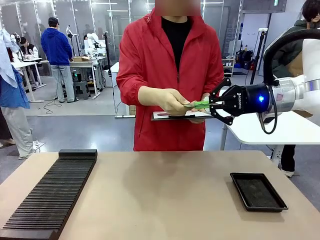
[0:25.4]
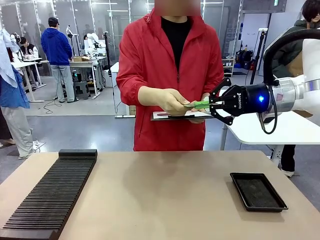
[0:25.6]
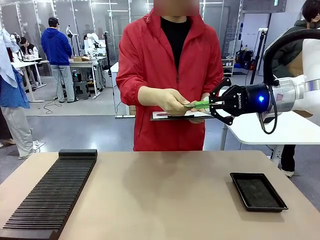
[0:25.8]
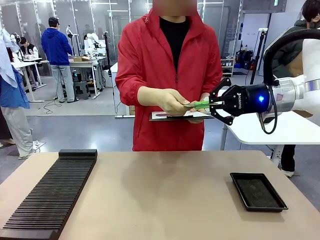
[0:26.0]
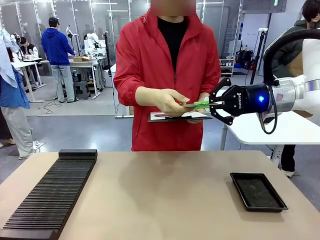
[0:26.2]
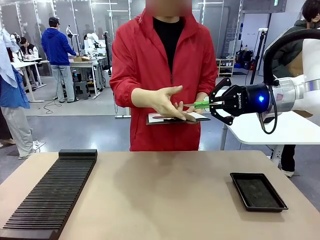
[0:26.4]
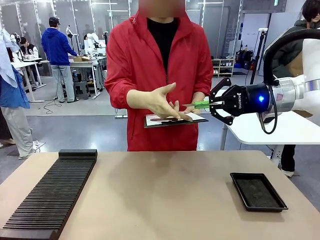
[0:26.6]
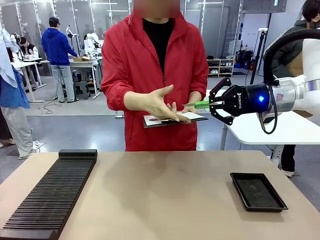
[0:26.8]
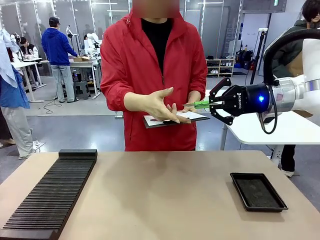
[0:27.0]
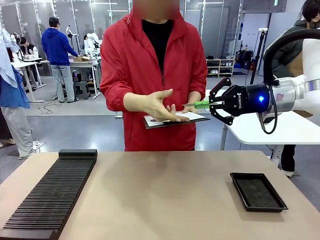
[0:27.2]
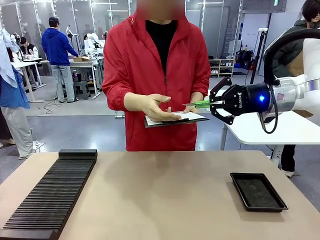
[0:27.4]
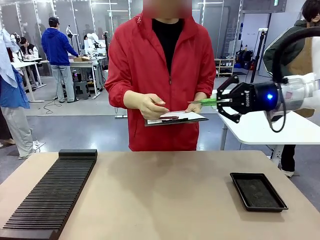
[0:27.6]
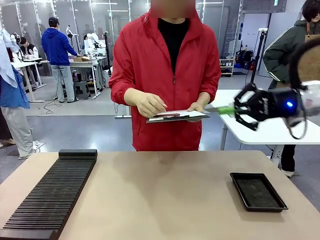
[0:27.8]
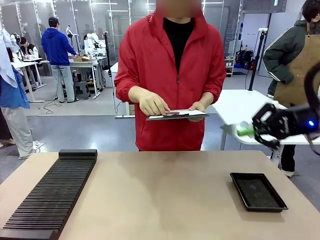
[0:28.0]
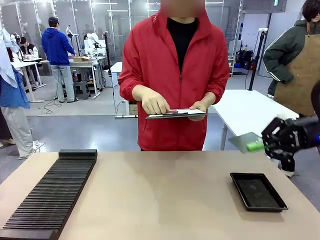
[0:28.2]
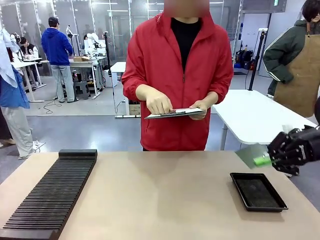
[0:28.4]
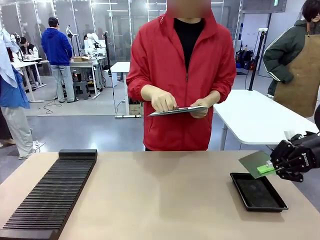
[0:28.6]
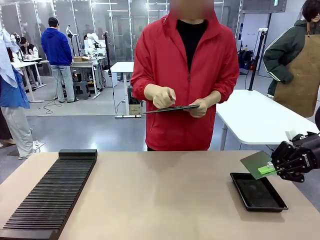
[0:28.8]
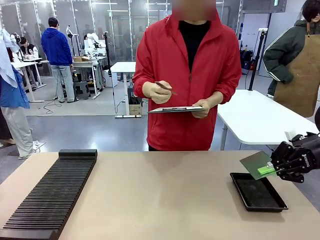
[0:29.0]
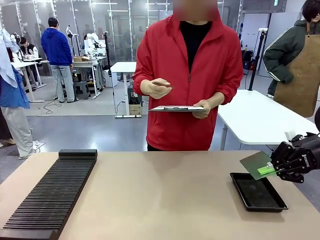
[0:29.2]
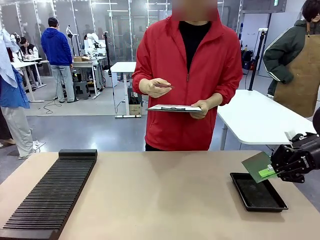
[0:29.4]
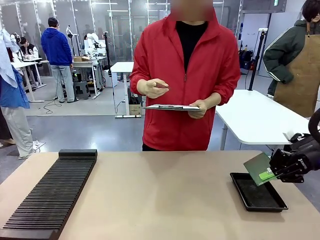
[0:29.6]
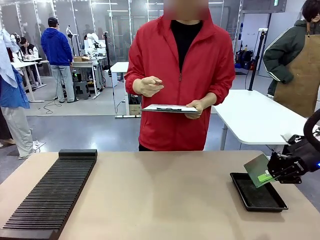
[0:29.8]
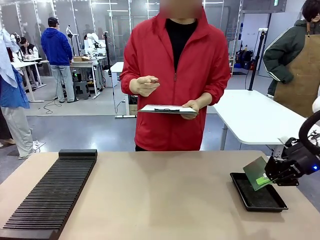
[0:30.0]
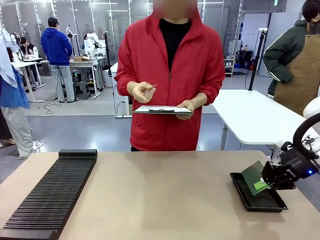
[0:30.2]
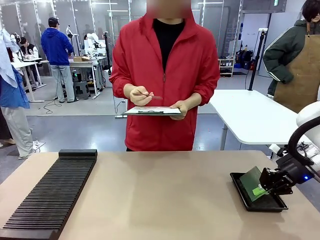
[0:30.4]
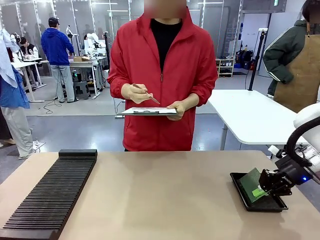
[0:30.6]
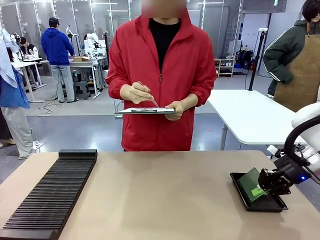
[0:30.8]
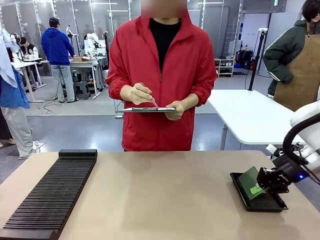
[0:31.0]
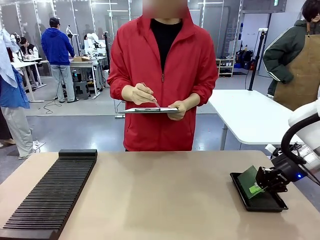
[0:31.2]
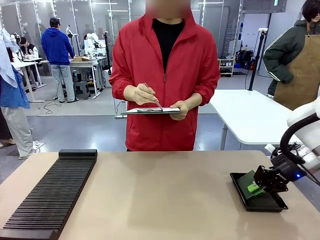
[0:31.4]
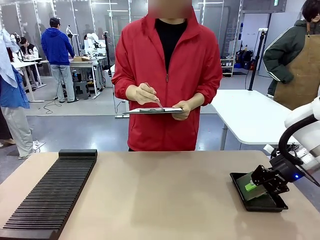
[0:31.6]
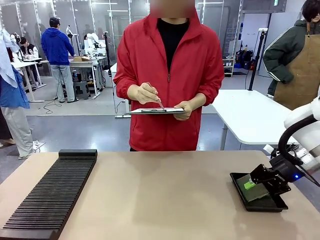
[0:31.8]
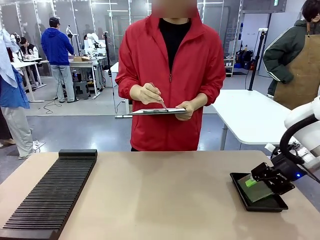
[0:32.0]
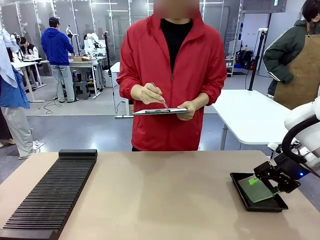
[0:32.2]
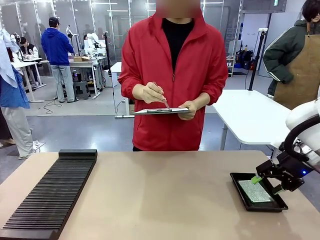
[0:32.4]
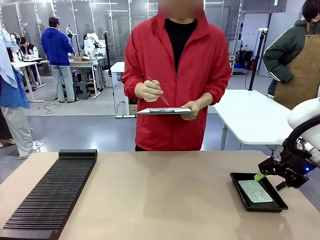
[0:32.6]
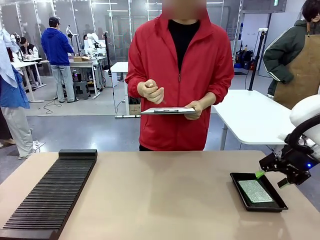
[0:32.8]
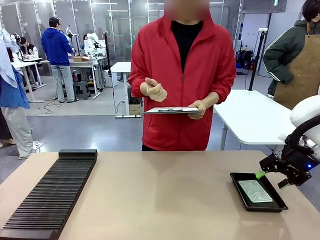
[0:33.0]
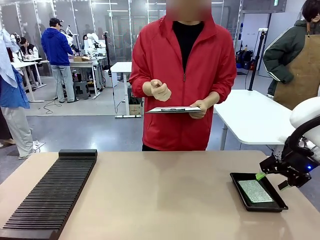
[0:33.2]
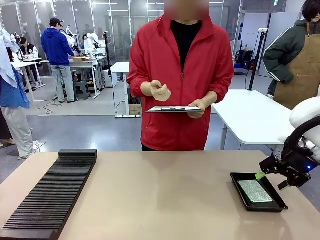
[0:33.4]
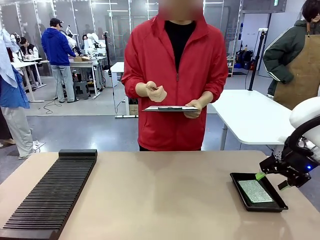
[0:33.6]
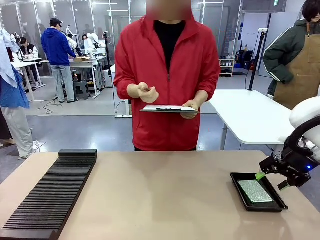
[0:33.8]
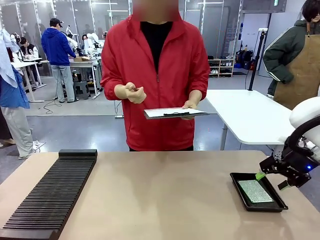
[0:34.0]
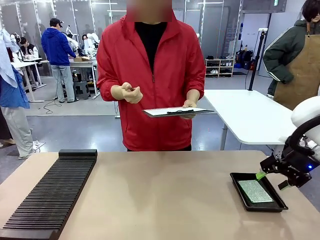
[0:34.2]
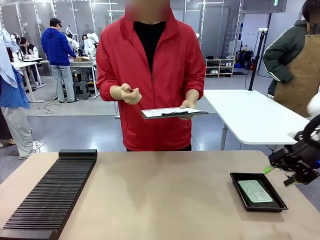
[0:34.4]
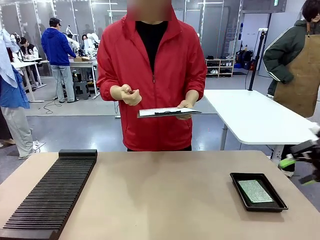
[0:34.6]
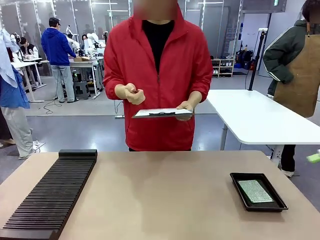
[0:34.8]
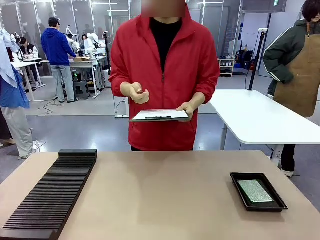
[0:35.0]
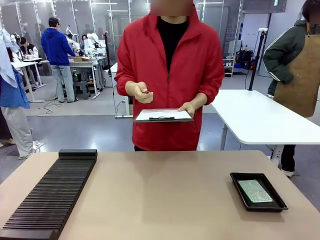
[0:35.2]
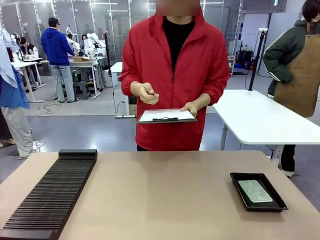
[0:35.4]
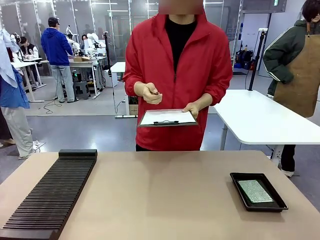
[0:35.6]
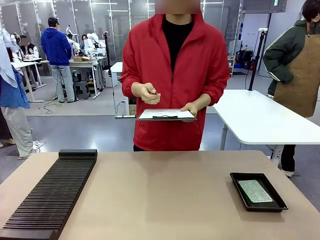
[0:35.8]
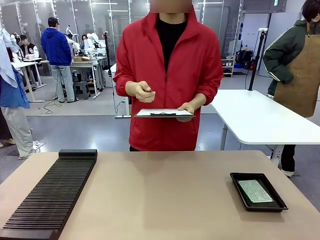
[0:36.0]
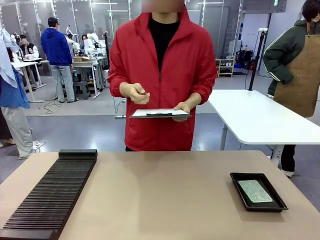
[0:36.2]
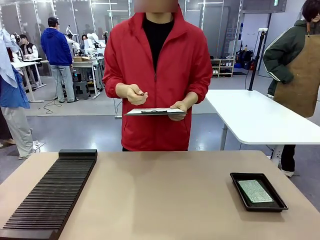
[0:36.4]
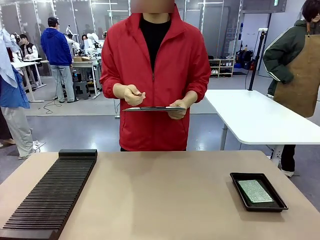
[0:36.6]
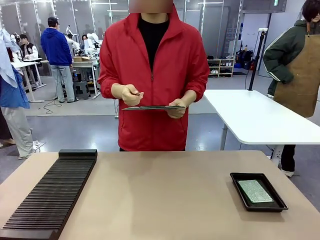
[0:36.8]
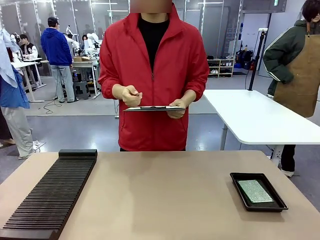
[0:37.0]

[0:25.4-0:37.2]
Task: Inspect the PCB.
Robot: Place the Blank PCB in the ESD tray.
Person: Record the PCB status on the paper.

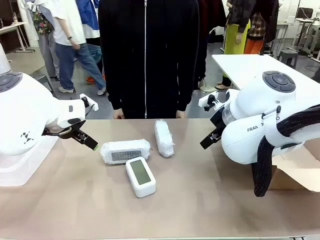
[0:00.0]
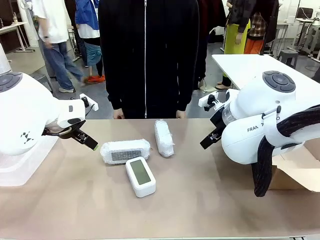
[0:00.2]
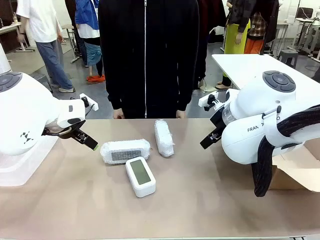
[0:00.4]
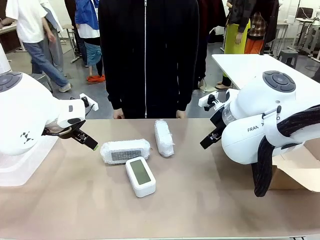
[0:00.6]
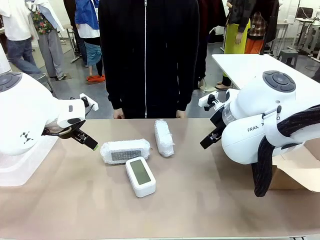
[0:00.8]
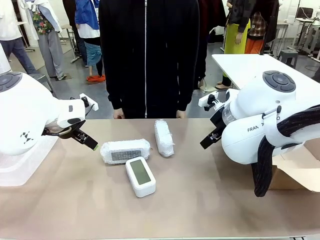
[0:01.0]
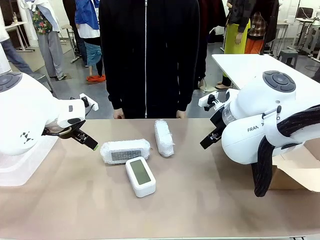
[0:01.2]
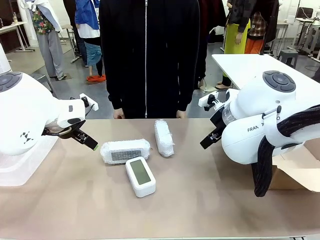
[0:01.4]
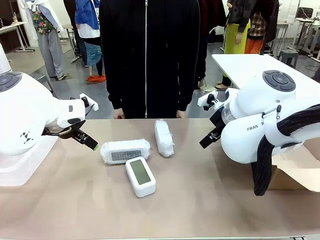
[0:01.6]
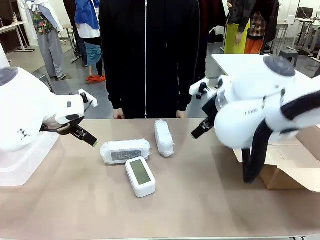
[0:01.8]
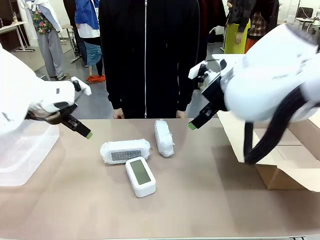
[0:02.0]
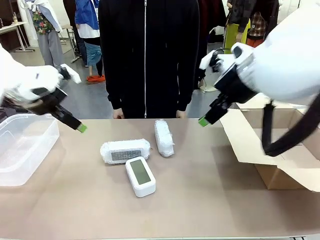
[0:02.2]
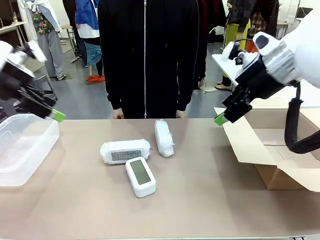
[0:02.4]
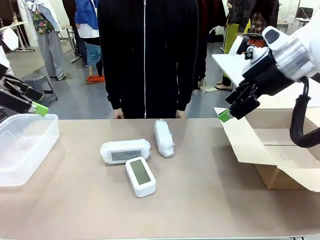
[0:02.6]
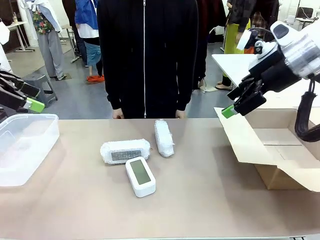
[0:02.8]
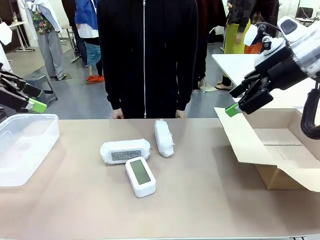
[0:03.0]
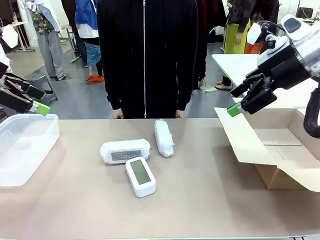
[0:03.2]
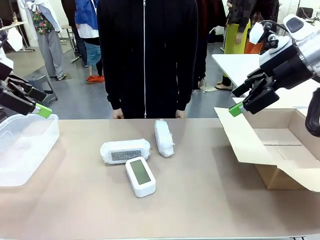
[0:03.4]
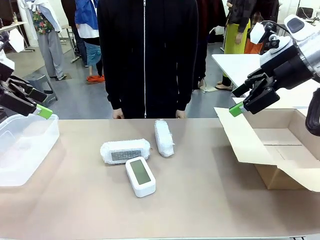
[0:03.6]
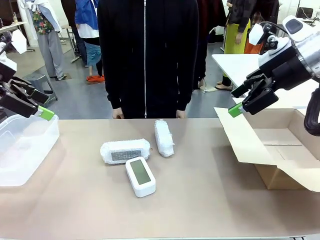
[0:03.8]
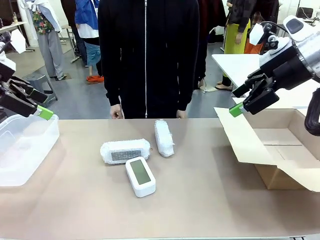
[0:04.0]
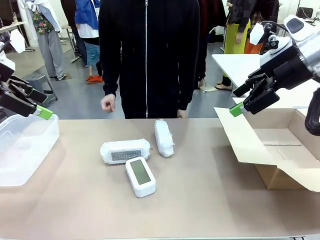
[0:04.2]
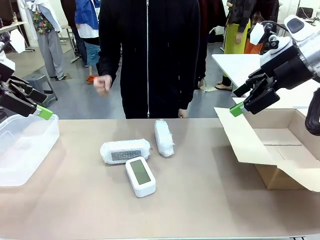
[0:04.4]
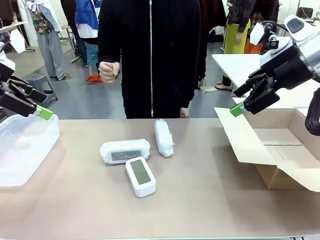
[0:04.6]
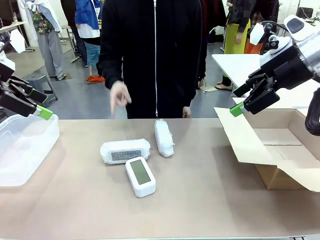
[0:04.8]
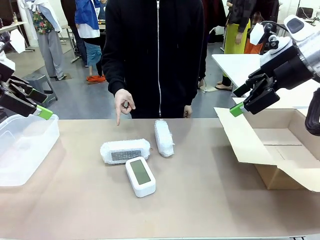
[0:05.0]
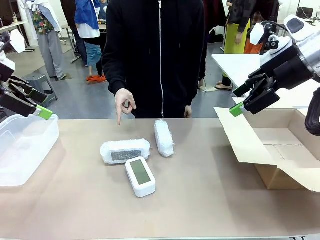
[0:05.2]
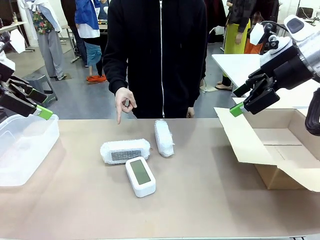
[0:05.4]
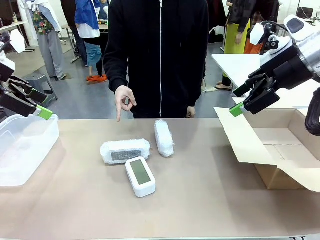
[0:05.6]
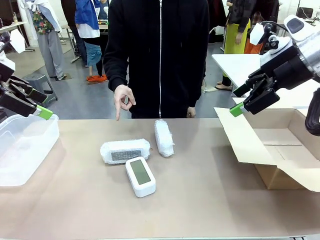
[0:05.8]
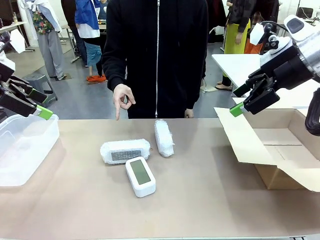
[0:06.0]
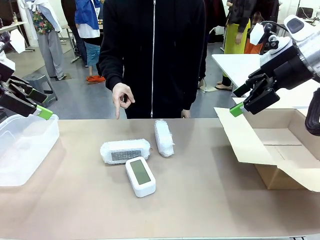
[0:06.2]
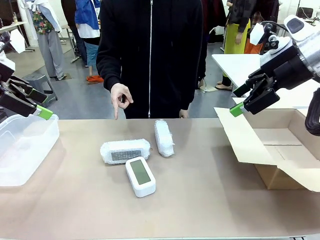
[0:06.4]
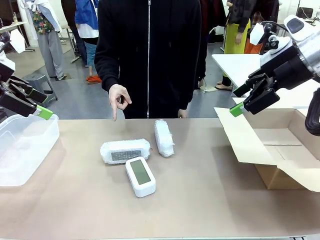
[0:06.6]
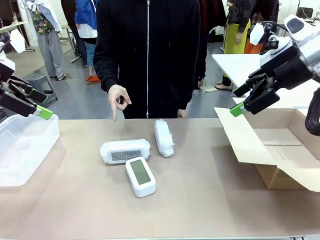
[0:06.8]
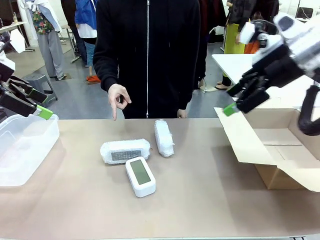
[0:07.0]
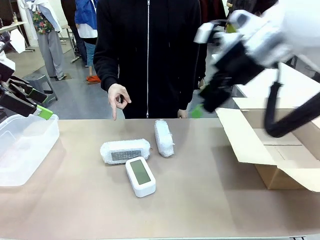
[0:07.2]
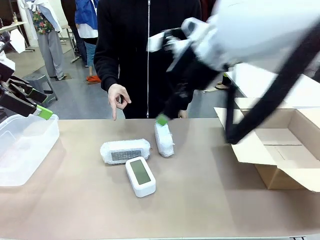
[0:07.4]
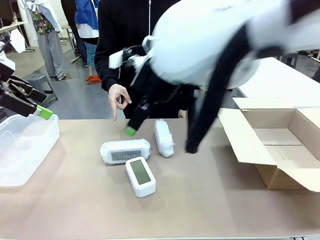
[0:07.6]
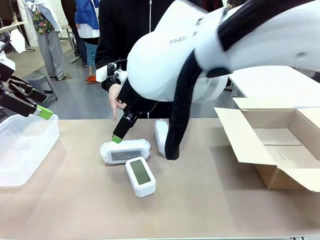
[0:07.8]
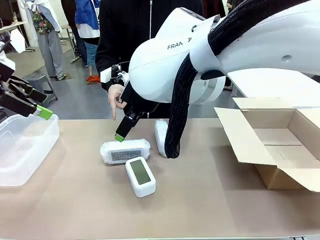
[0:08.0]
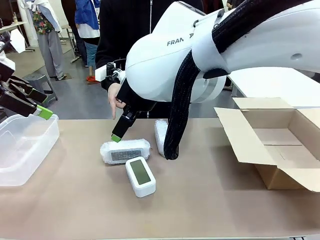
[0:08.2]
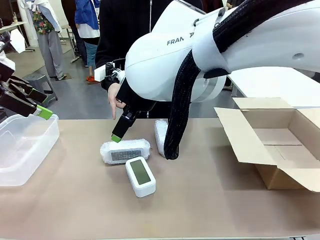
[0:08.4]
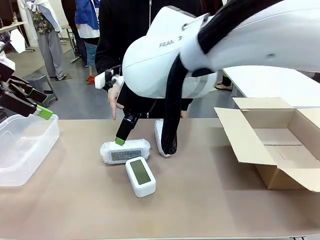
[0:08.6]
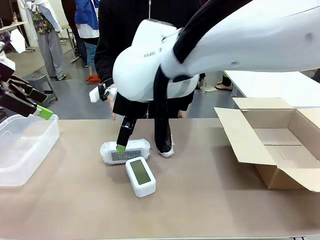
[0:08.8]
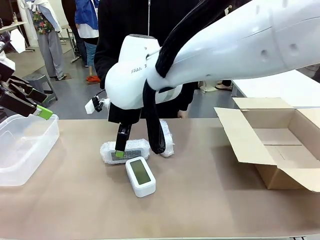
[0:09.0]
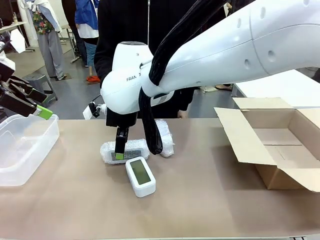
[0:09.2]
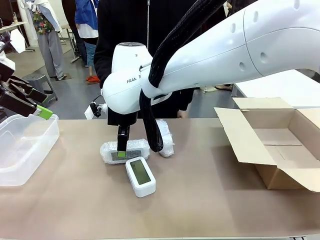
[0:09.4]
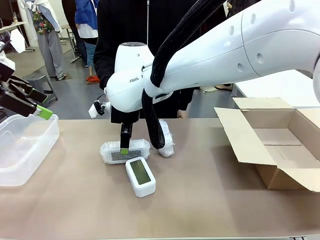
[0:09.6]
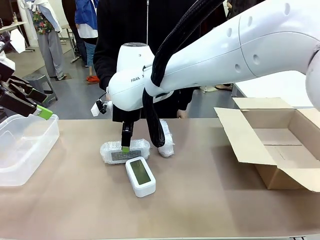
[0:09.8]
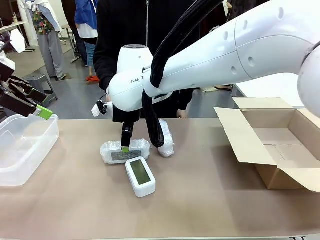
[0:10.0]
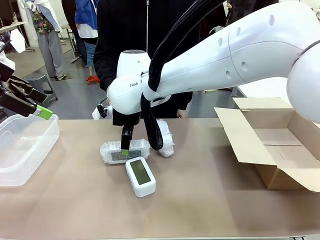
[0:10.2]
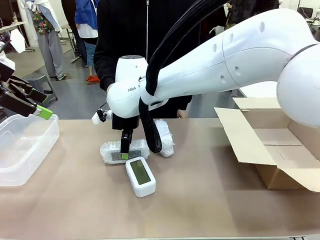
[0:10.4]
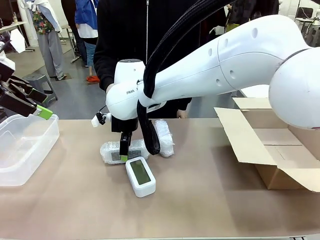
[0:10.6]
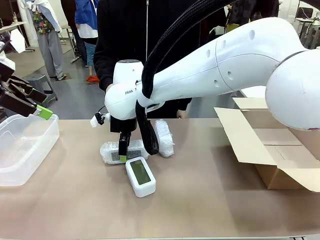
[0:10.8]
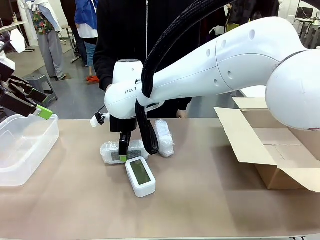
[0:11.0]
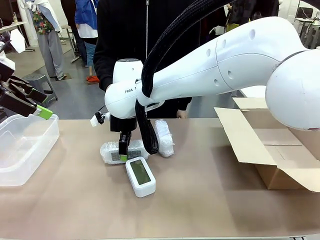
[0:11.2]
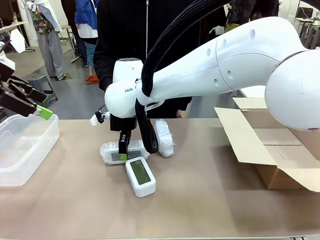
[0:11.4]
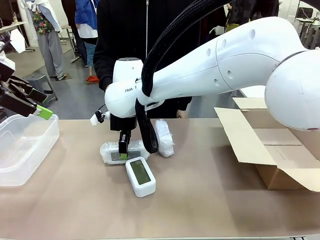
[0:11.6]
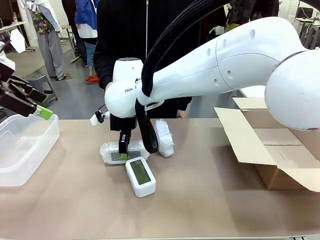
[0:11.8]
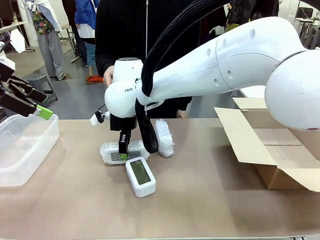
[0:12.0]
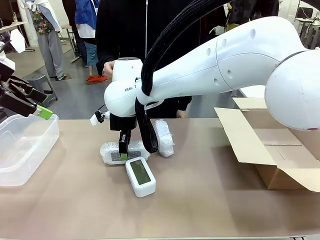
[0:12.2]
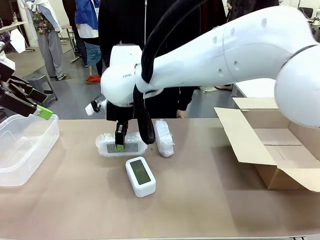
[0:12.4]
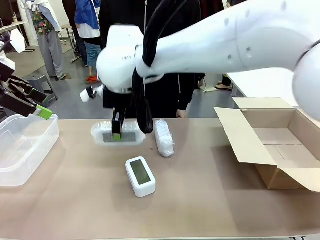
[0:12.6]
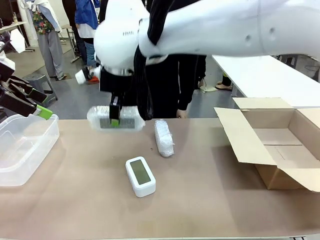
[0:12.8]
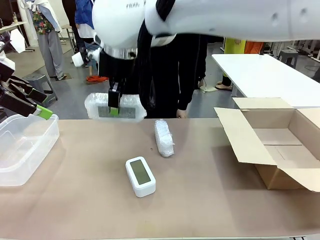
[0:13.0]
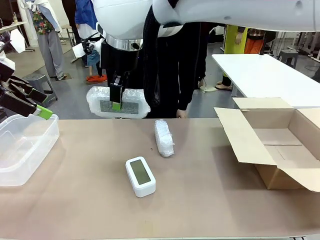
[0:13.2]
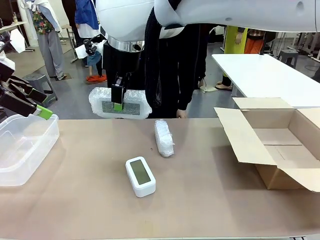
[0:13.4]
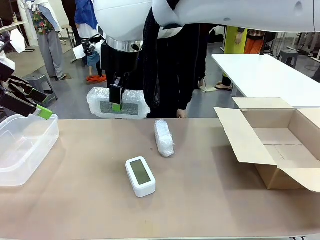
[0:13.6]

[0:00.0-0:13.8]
Task: Separate and place wrapped and unwrapped clocks.
Robot: Pick up the Digital clock indicated by the person.
